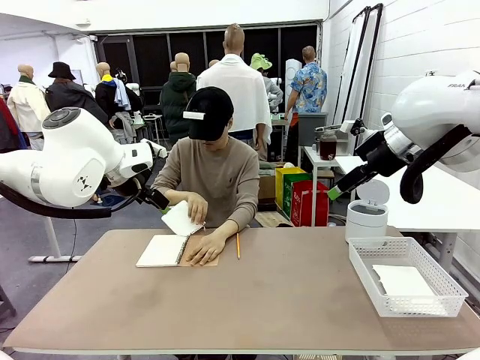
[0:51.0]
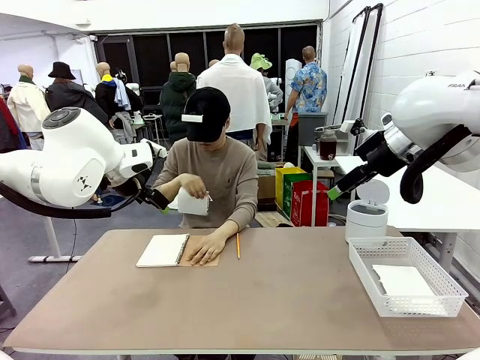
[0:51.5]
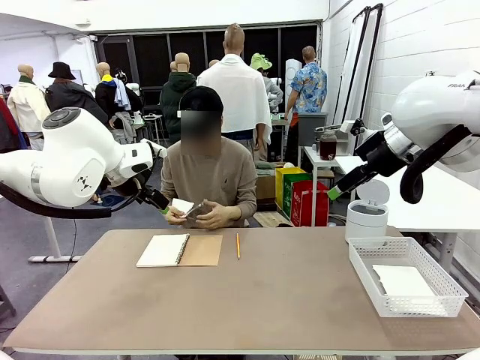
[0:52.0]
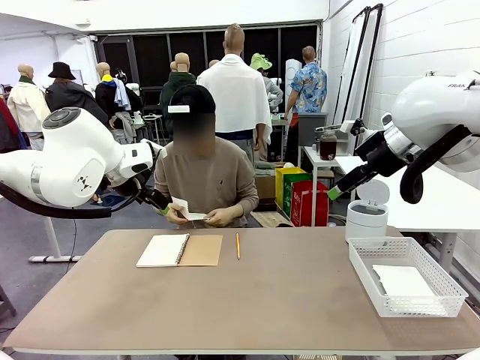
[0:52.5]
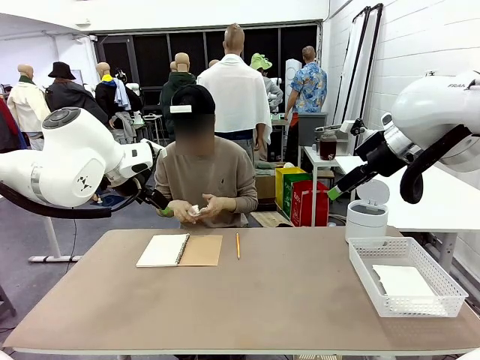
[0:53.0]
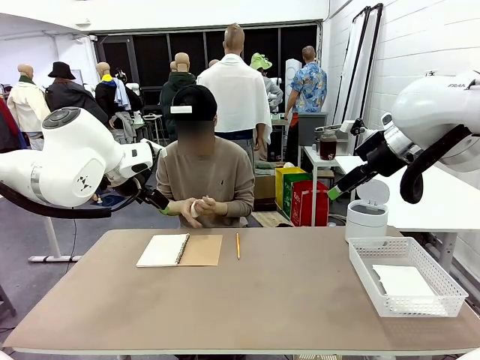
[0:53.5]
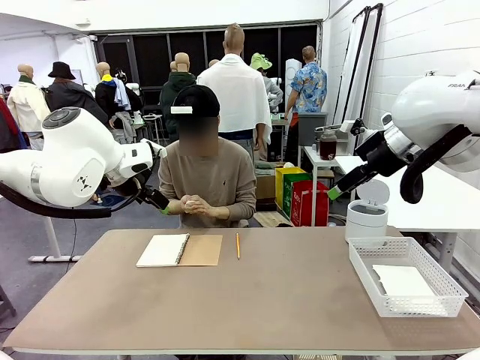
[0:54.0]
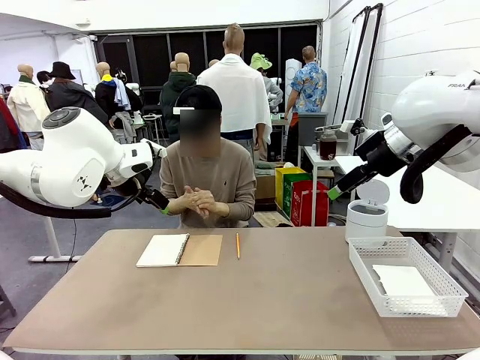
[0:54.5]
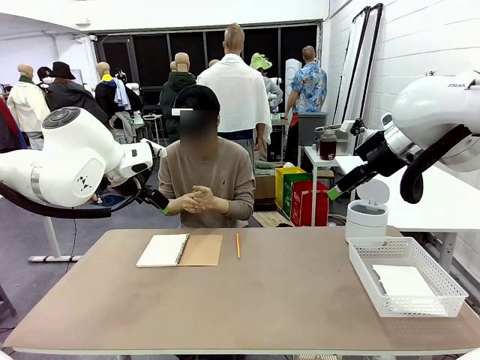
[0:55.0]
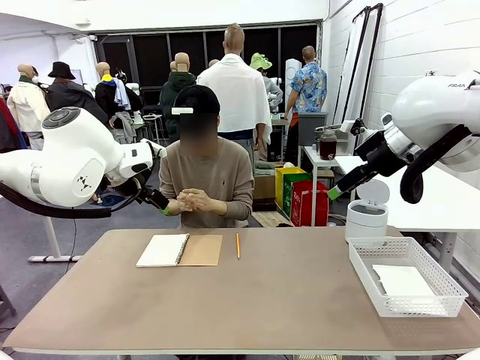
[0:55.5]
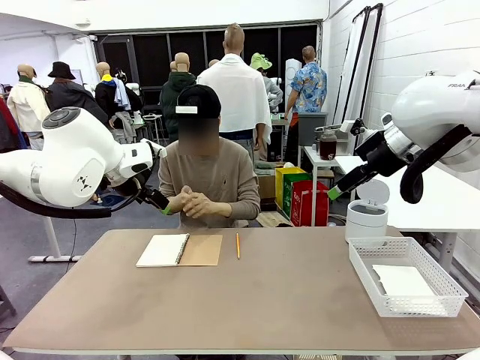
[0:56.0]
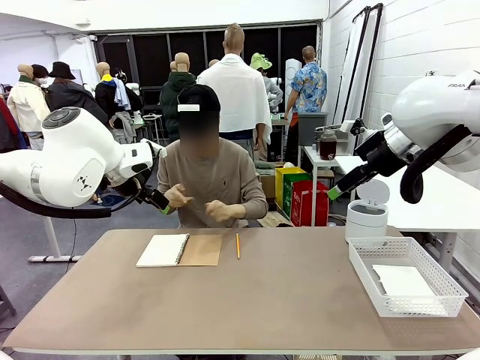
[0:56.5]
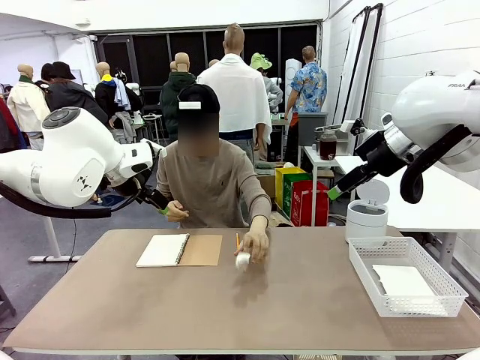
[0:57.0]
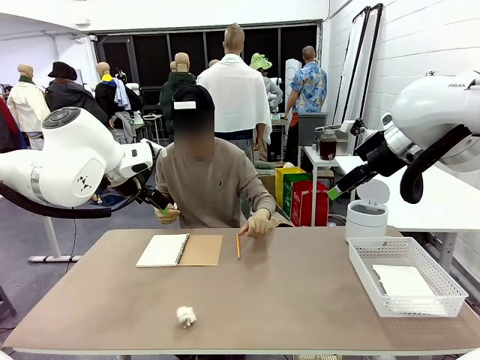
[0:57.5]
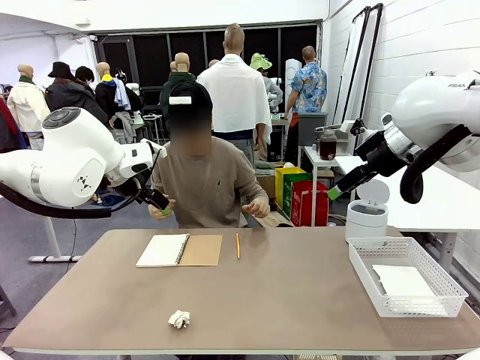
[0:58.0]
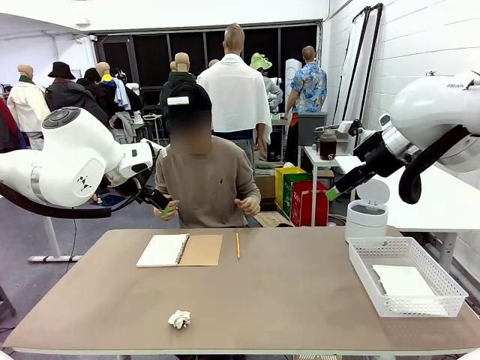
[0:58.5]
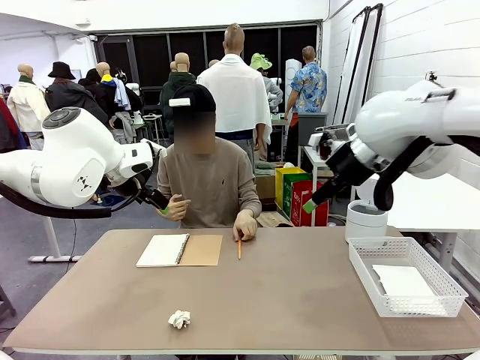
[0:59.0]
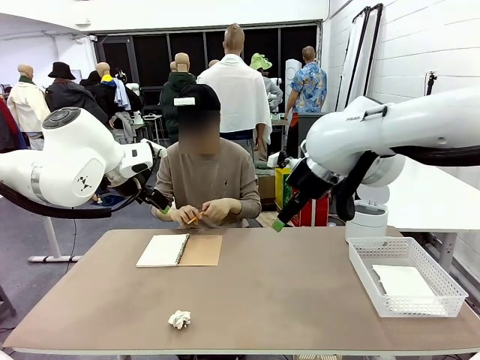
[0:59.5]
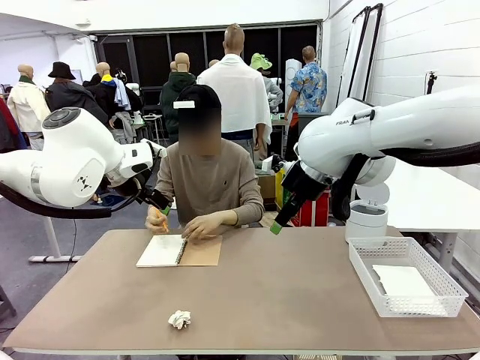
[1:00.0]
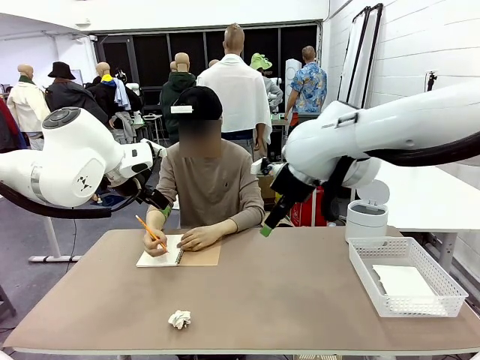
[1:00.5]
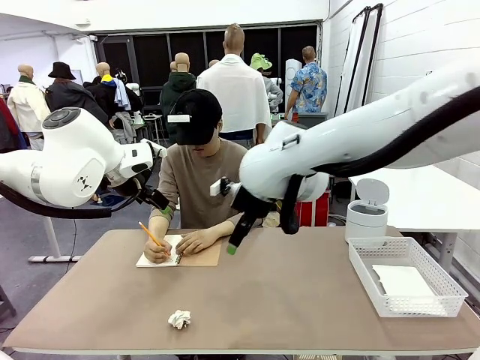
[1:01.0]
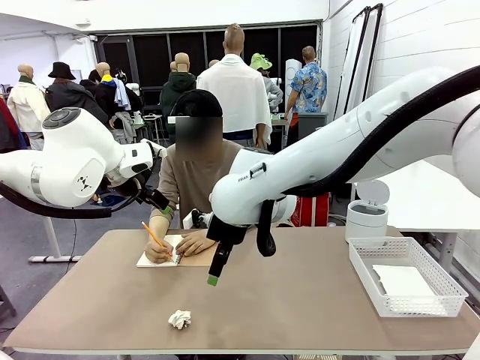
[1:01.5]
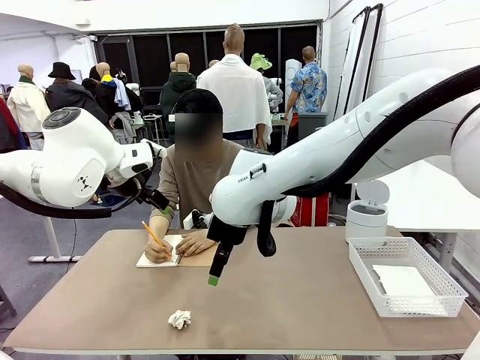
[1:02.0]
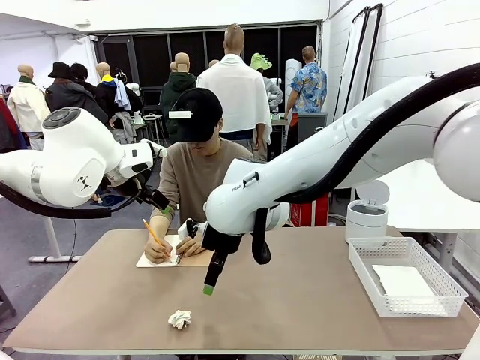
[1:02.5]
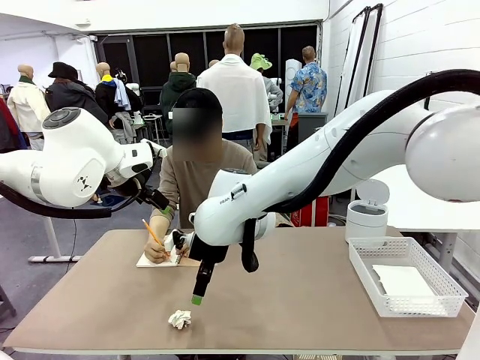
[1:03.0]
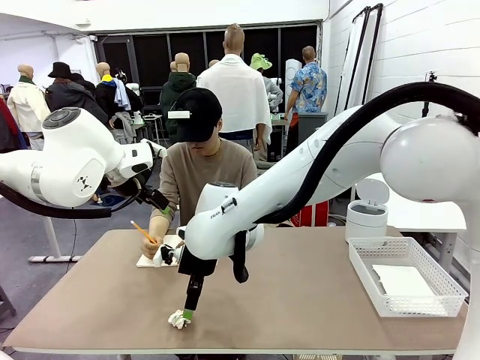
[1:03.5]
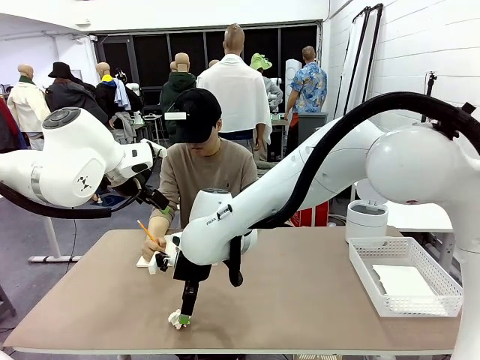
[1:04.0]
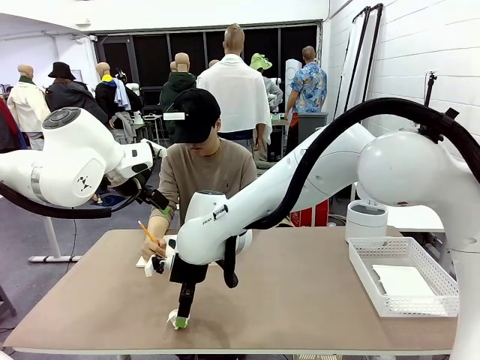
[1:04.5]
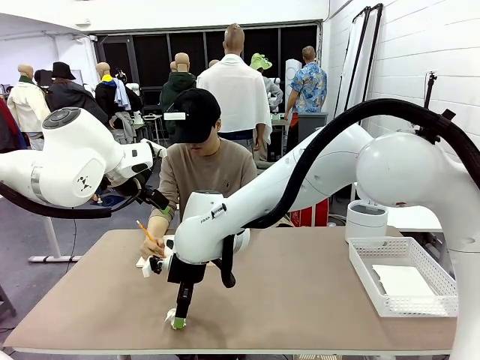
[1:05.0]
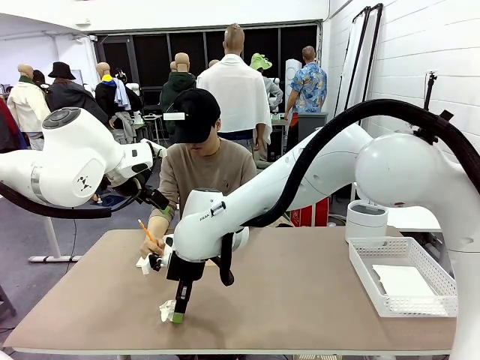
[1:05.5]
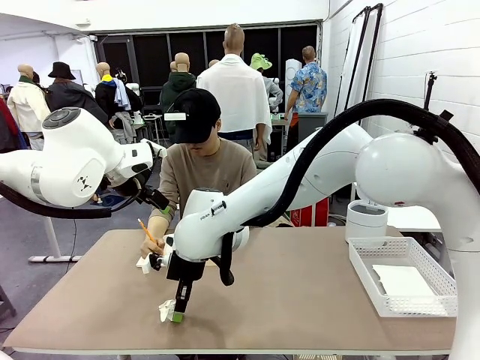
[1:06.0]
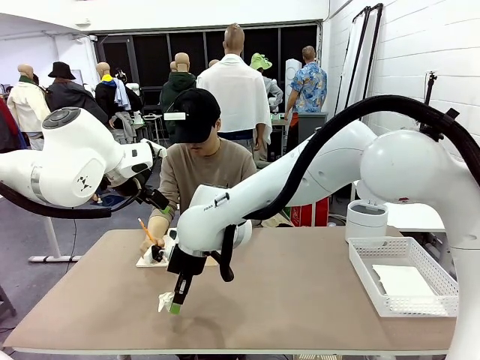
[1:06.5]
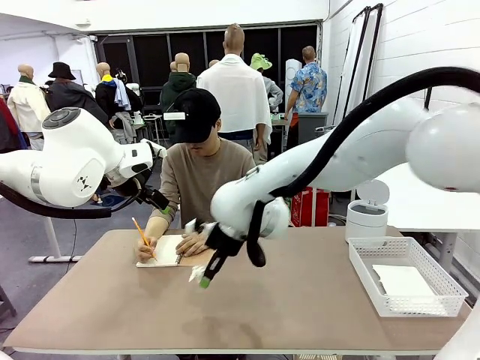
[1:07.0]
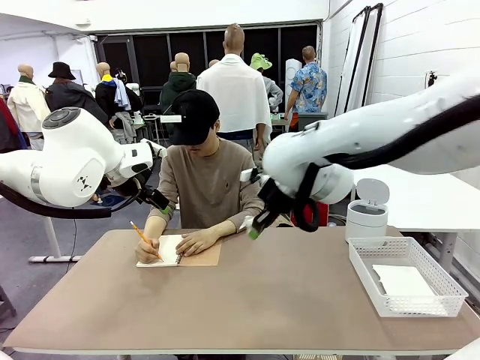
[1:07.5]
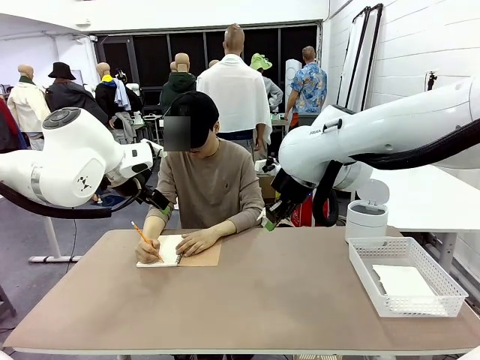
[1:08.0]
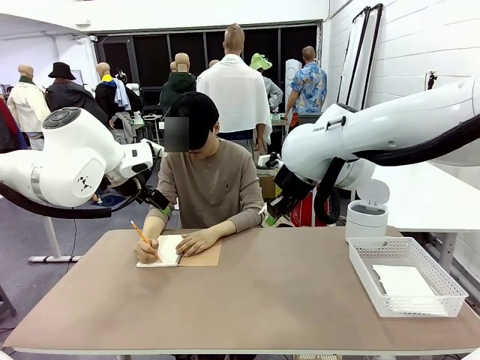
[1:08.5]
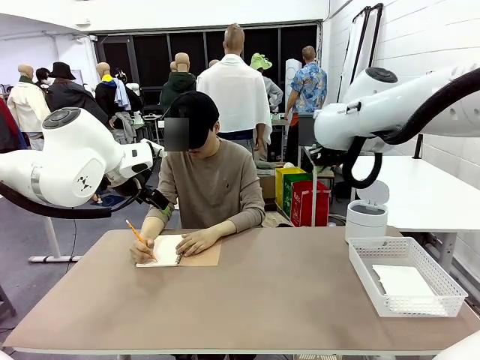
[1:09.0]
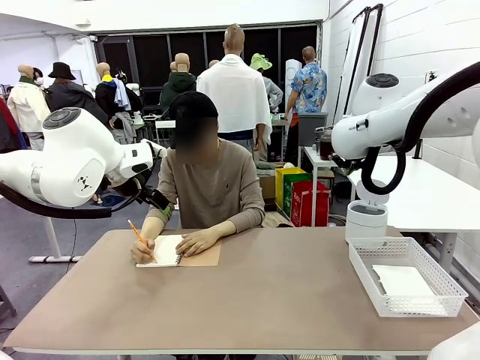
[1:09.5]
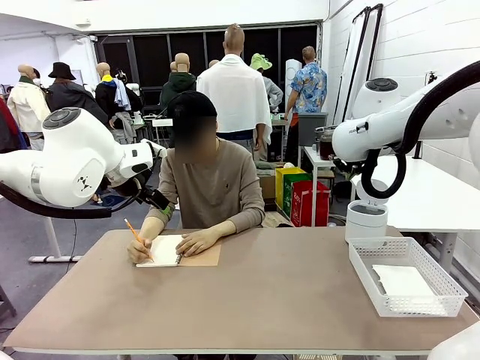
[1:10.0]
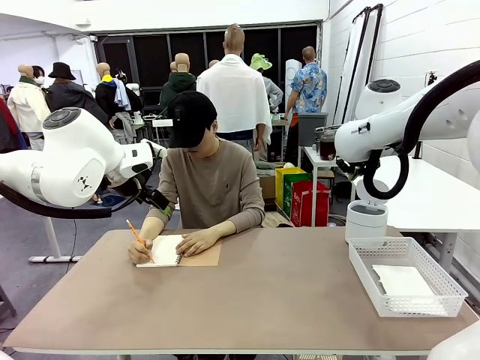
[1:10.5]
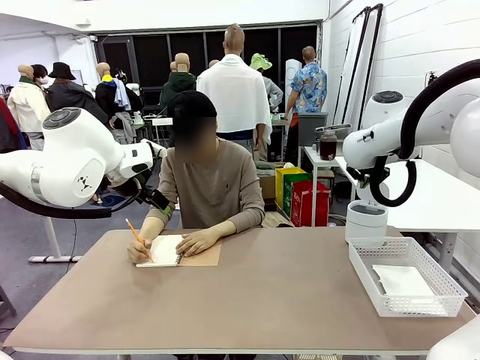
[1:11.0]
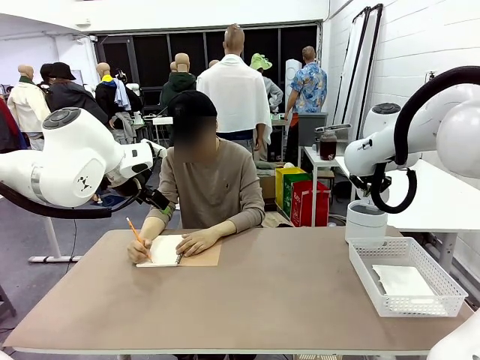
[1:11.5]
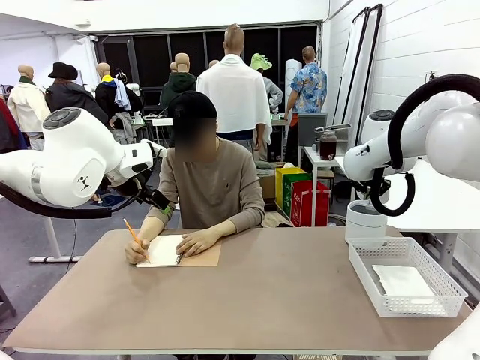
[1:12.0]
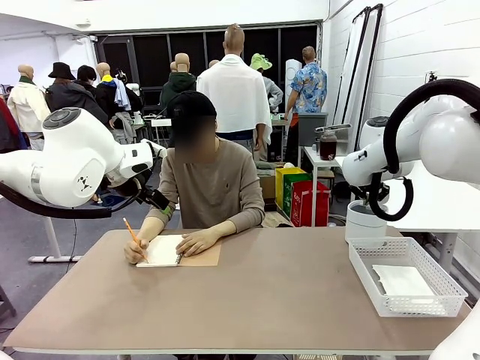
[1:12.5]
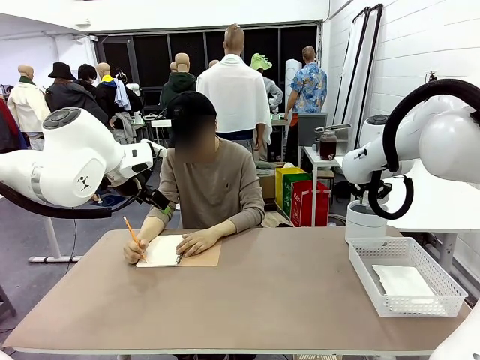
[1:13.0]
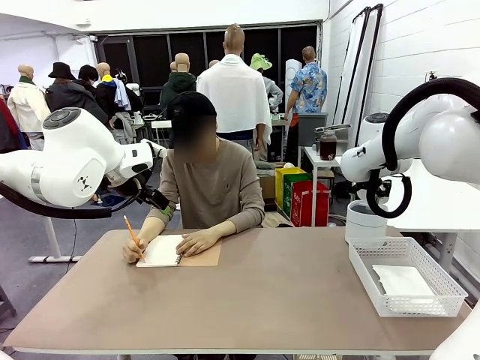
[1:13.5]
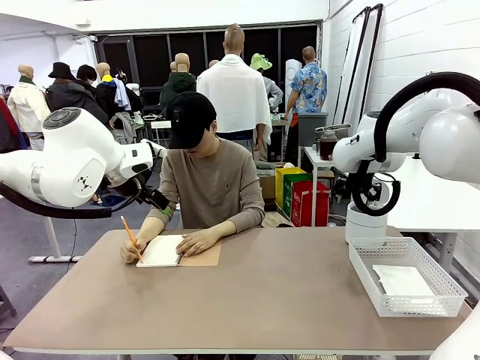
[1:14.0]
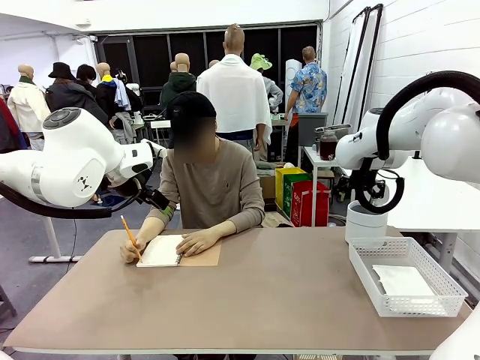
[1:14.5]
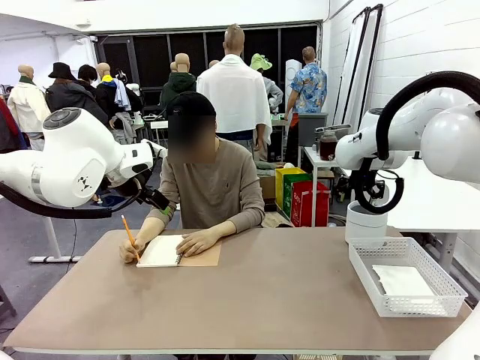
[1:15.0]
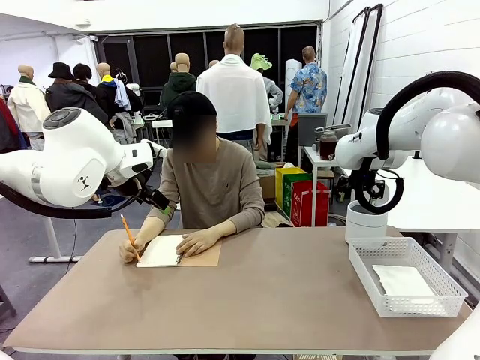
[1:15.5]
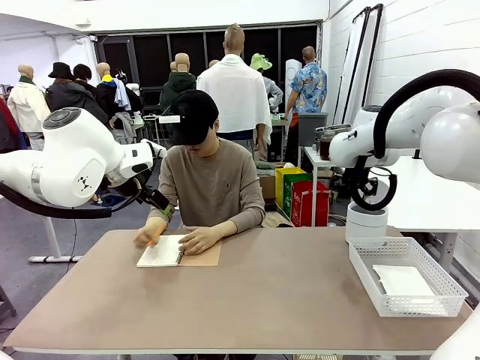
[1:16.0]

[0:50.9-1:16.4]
Task: Sort the paper based on its condition.
Robot: If a person hands you a paper, place it in the Organizing basket , and if it's crumpled, put it in the Trash can.
Person: Hand the torn page to the robot or crumple it and throw it to the center of the table. Tear out a page from the spiral notebook.
